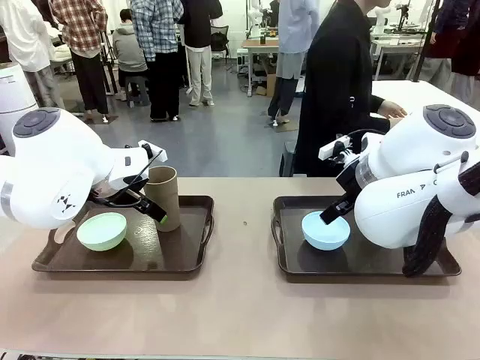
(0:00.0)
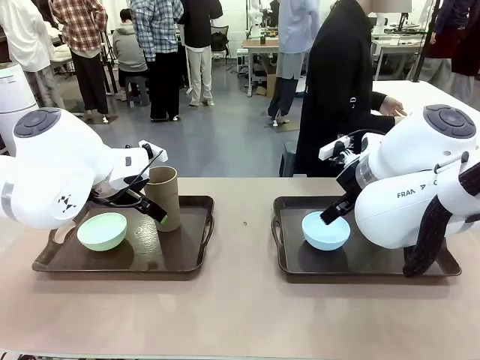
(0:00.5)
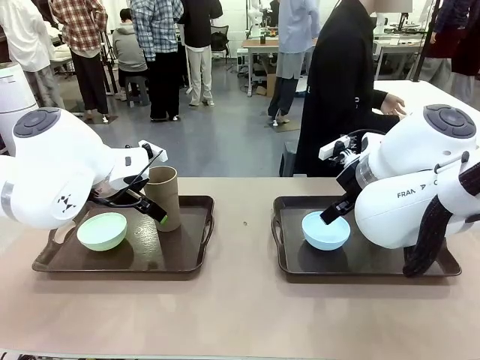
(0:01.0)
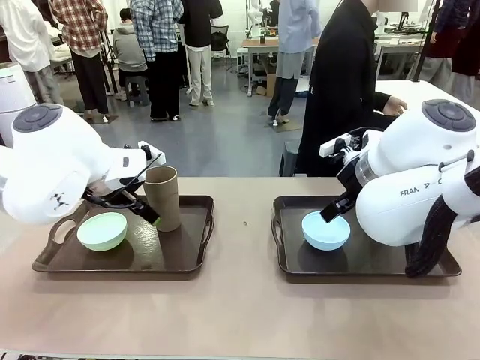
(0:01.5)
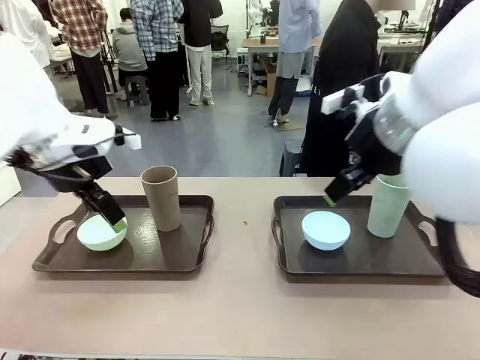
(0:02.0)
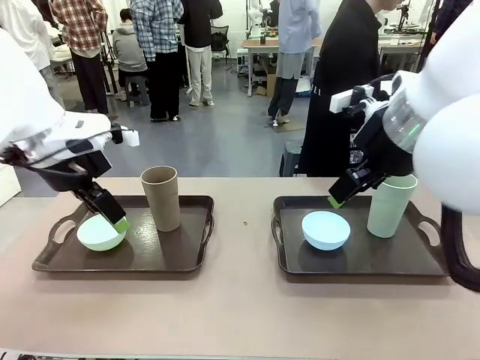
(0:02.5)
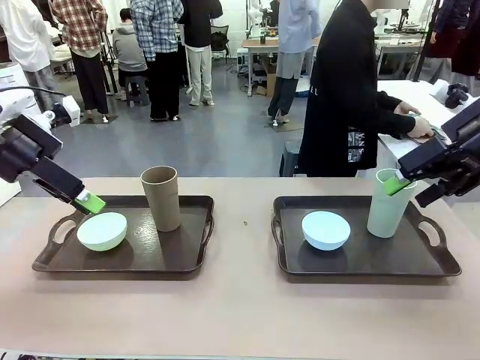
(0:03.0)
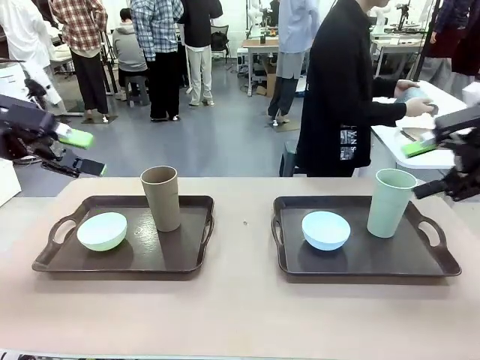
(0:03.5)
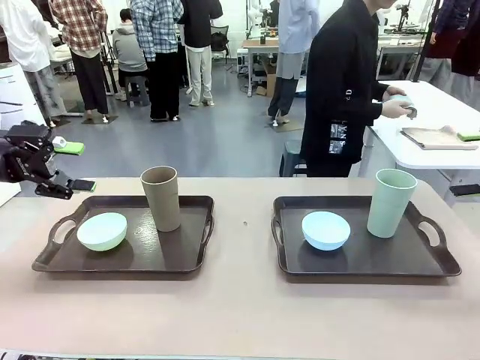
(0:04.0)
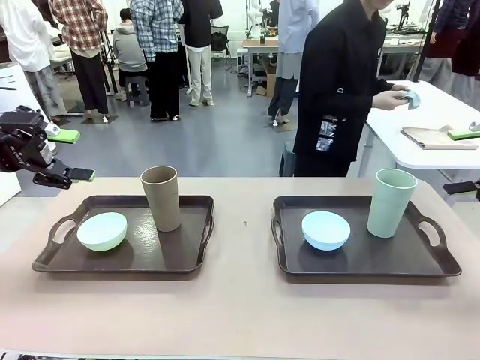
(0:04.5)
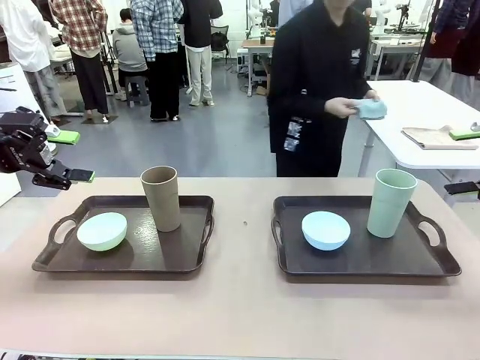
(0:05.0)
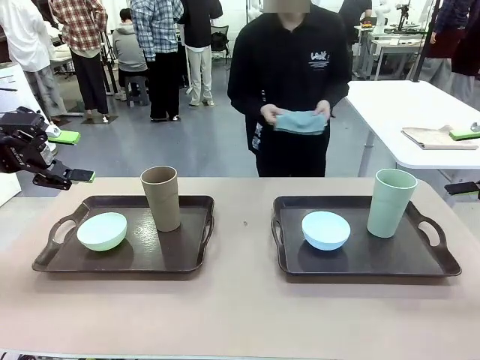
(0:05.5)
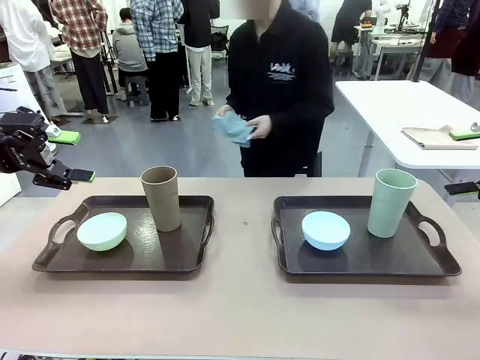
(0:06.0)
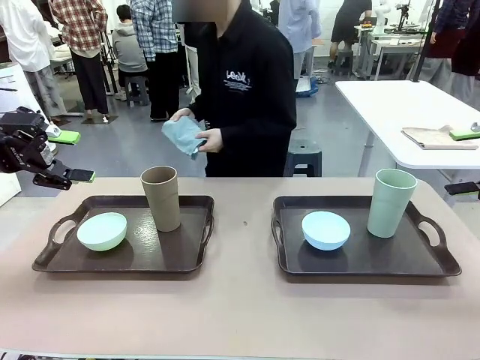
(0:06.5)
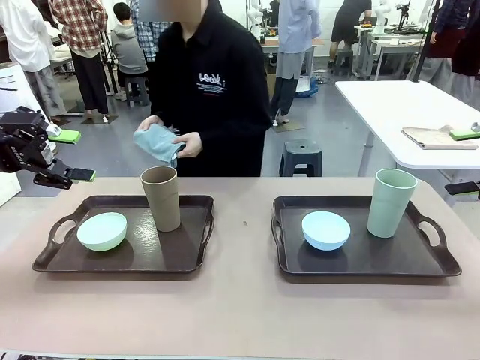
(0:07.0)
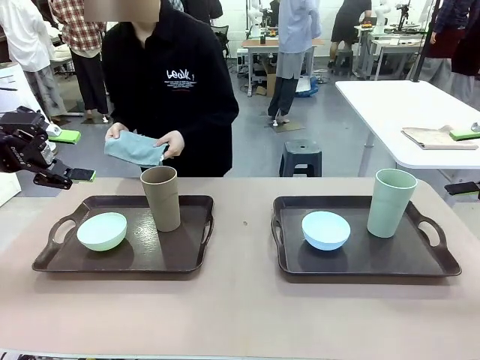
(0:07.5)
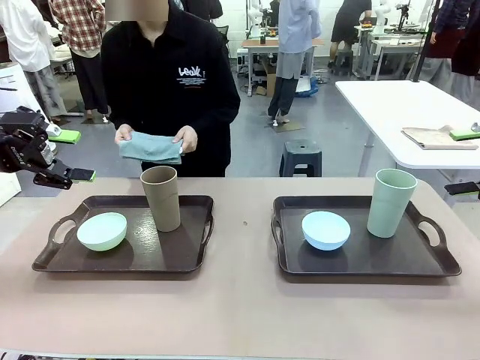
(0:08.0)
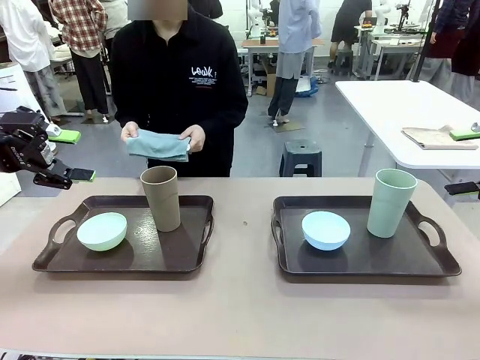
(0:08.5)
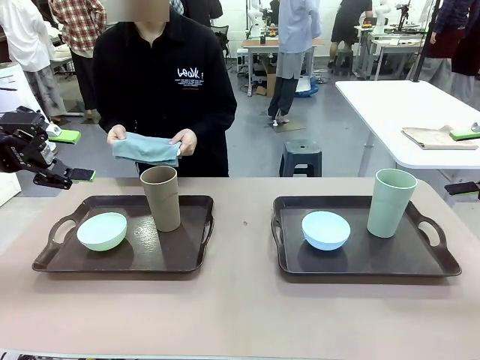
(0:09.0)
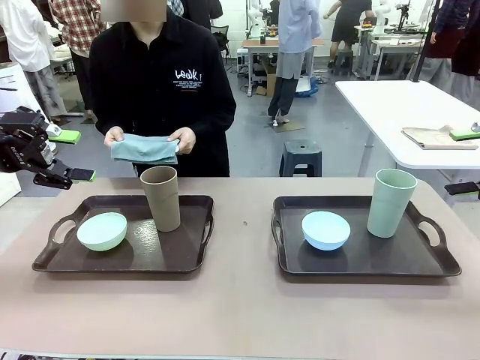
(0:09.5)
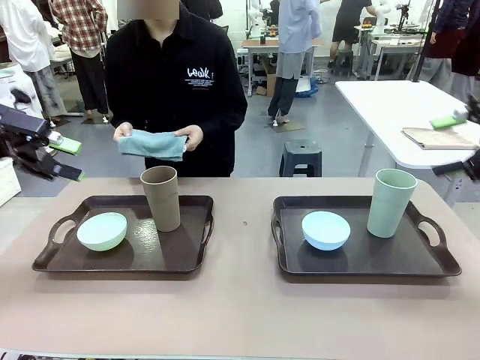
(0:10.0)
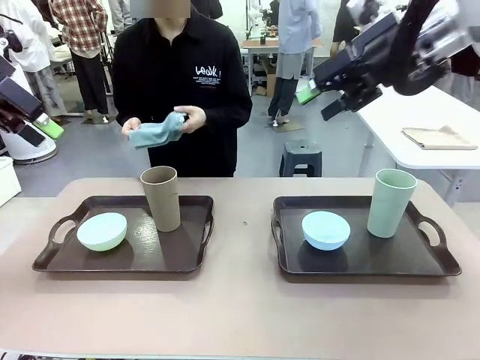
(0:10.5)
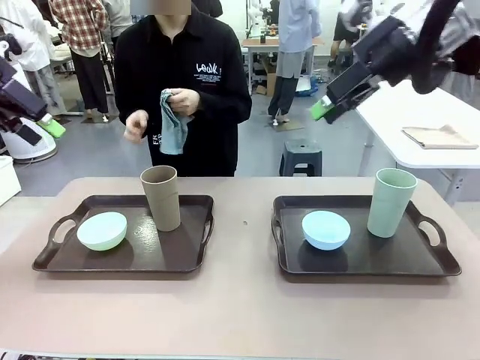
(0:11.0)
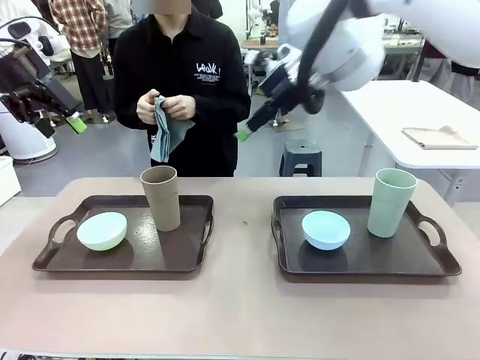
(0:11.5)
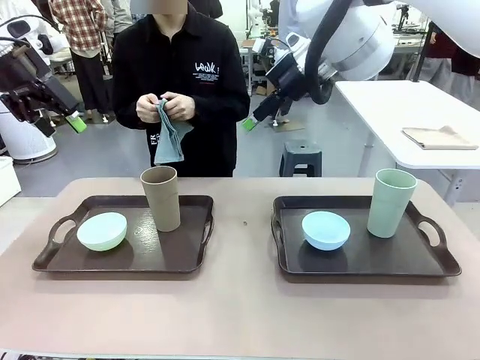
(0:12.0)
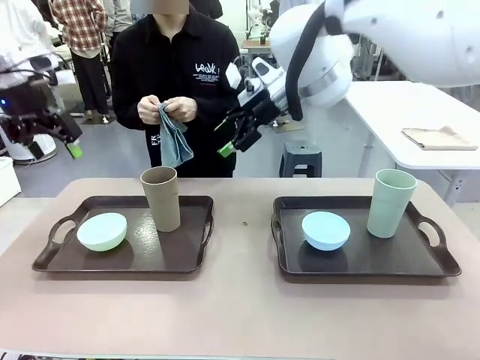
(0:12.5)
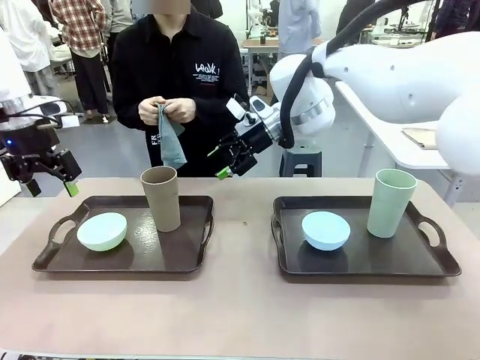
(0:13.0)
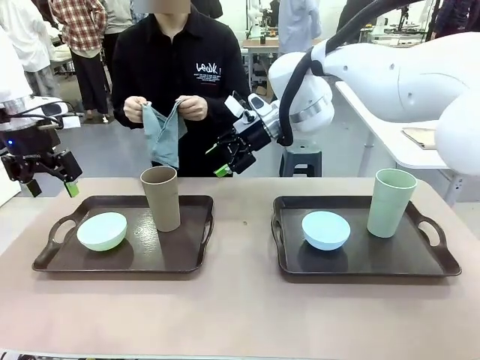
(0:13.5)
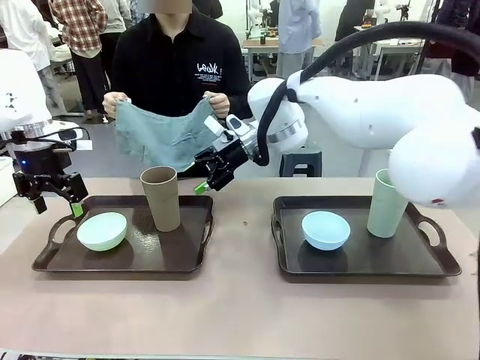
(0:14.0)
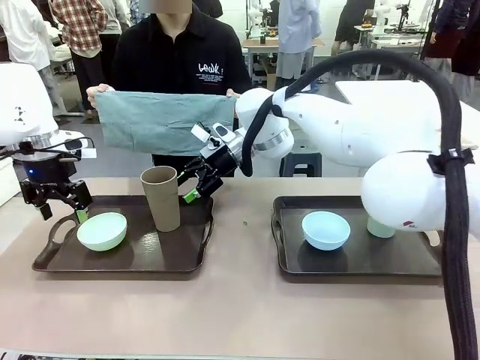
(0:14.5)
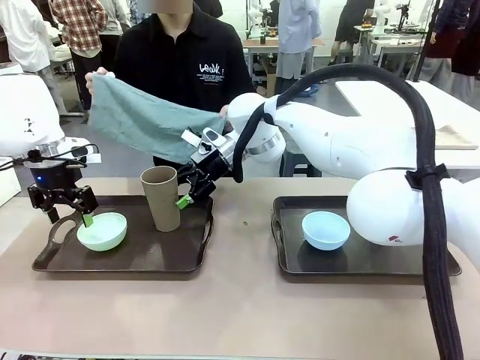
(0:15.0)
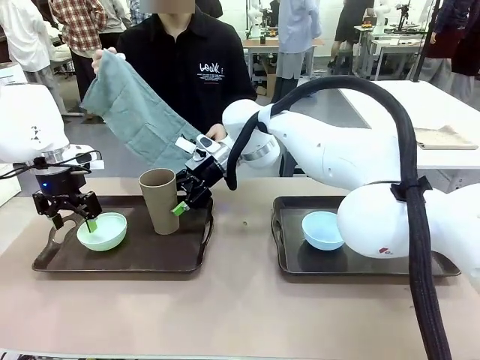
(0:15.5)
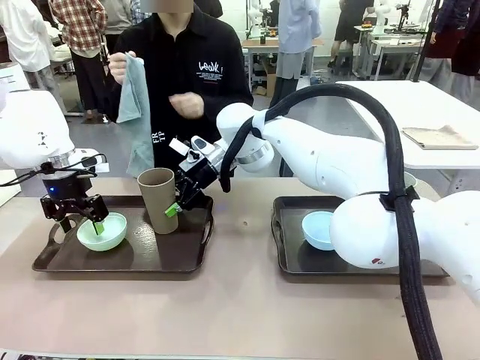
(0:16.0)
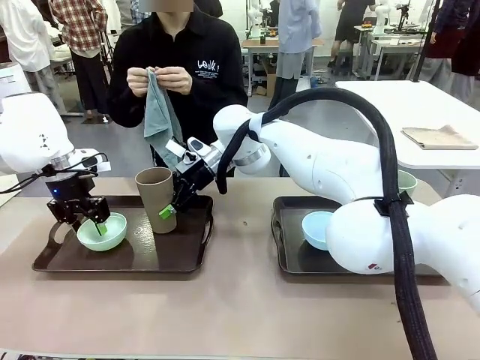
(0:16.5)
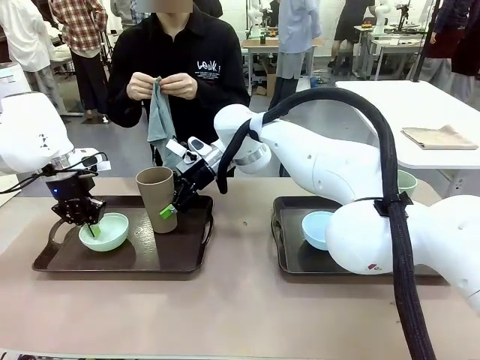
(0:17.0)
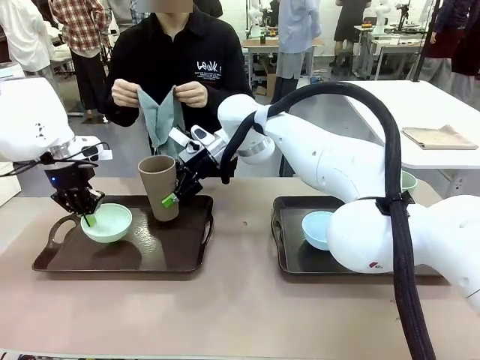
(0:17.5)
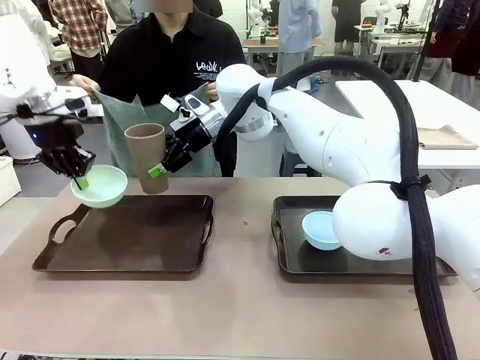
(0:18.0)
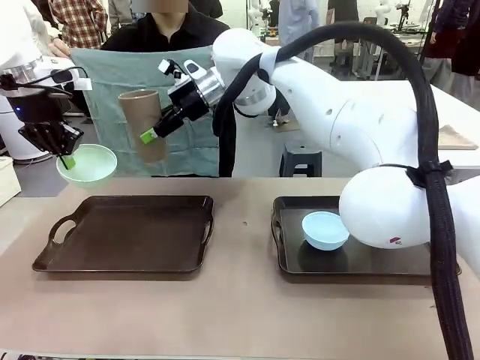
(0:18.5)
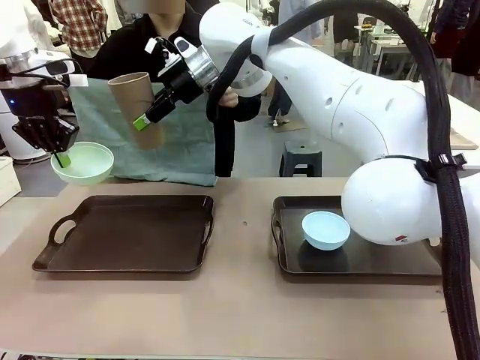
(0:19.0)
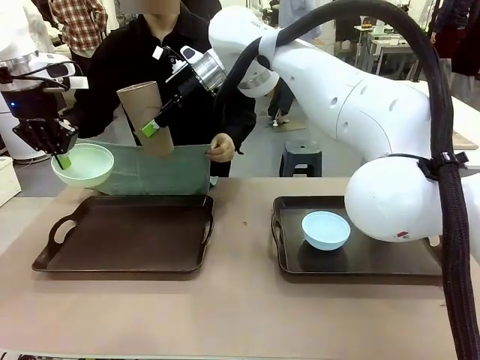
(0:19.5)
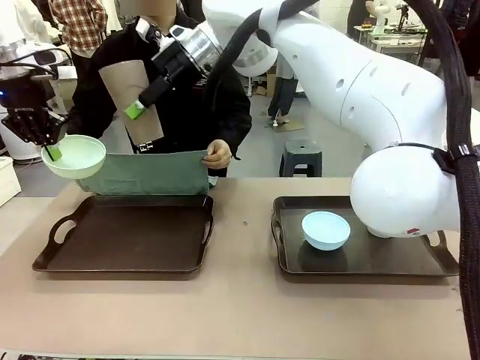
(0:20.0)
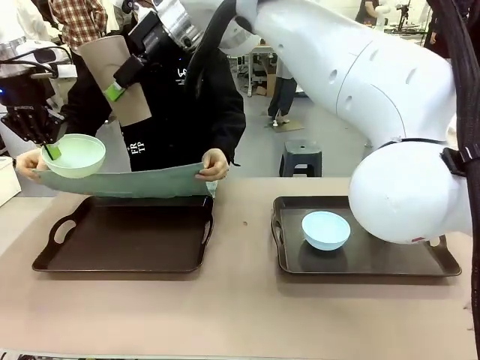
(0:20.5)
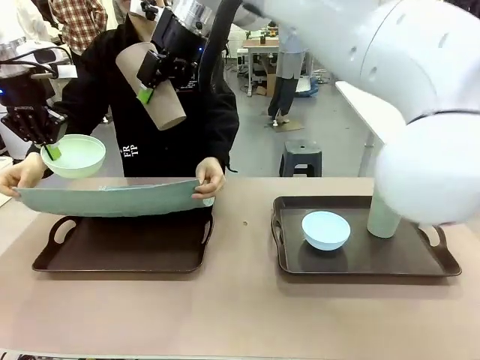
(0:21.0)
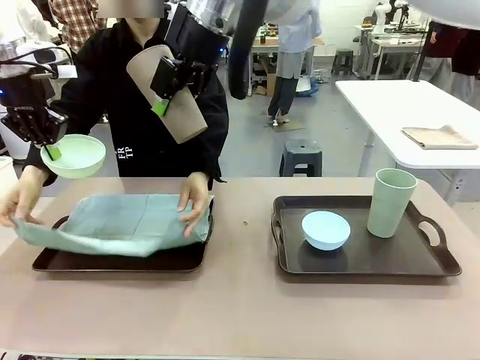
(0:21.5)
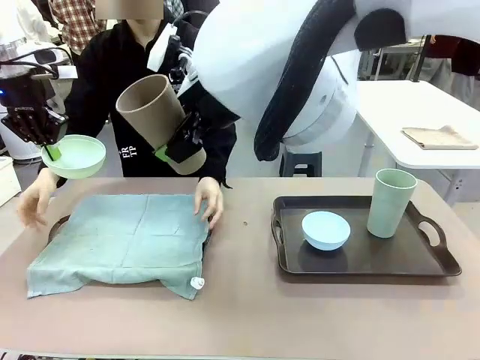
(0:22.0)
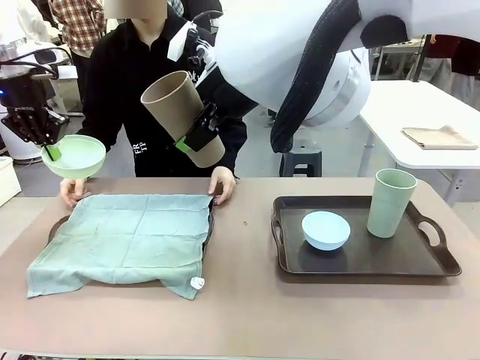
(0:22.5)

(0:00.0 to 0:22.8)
Robot: Pick up the Picnic Bowl and Reusable plastic cup from the Handle tray in front of the human's position and hold them in the air.
Person: The human picks up the top napkin from the stack on the human table and walks to the robot table to stand in front of one of the two trays. When the robot lifts the bowl and the cup, the human unfolds the napkin and lays the napkin flat on the tray.
